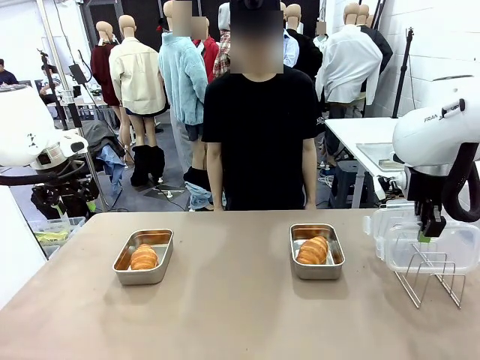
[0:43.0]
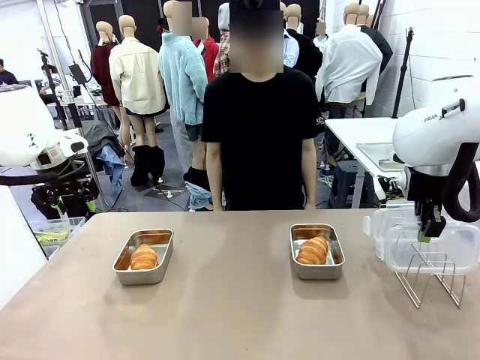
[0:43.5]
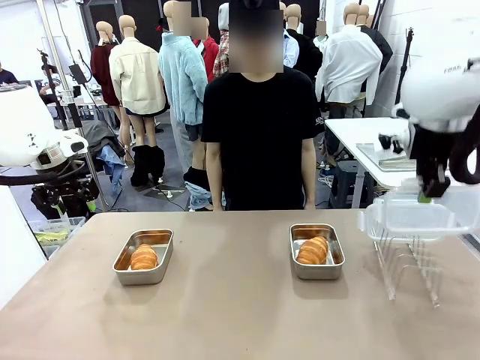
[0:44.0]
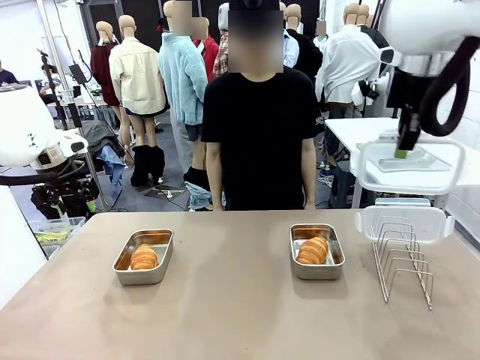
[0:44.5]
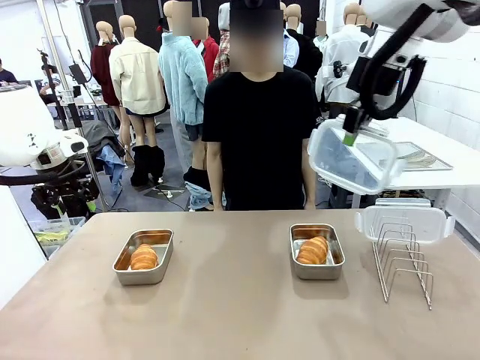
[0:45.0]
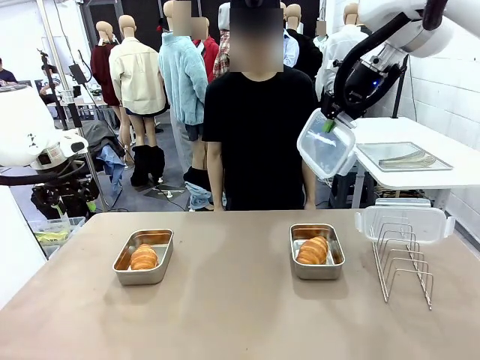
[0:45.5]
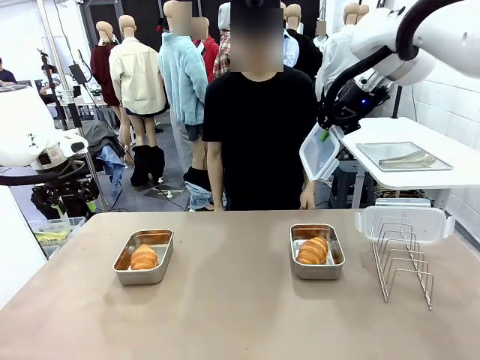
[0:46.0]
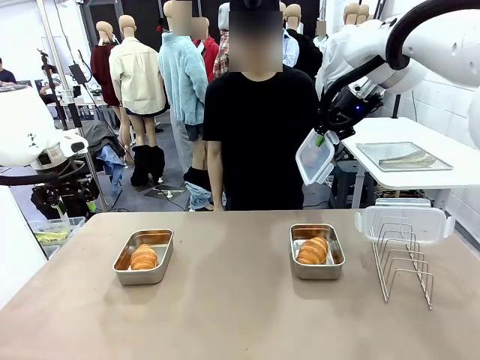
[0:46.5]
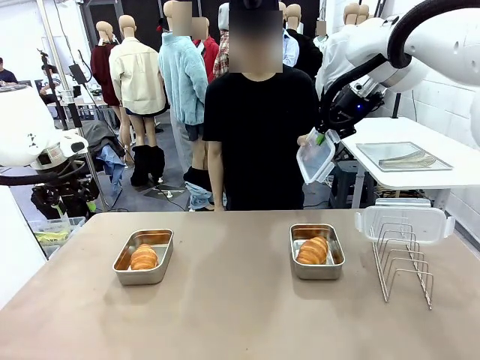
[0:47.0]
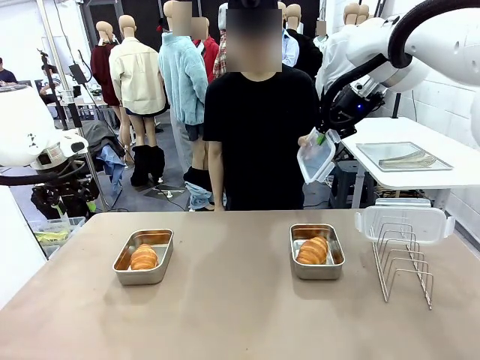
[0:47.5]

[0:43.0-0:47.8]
Task: Place the bread in airtight containers.
Robot: Release when the human grabs the Airtight Container lid.

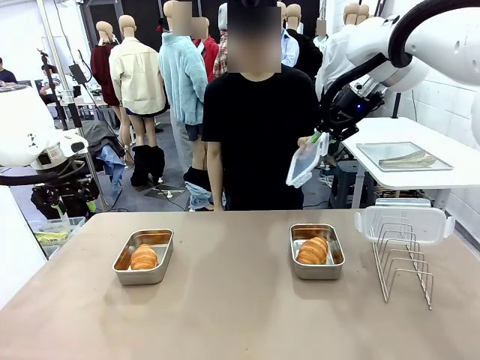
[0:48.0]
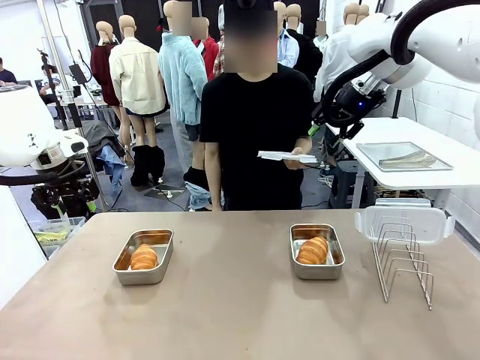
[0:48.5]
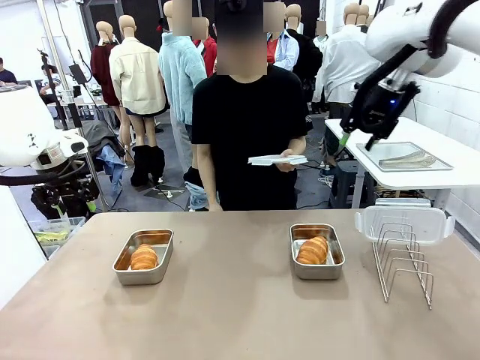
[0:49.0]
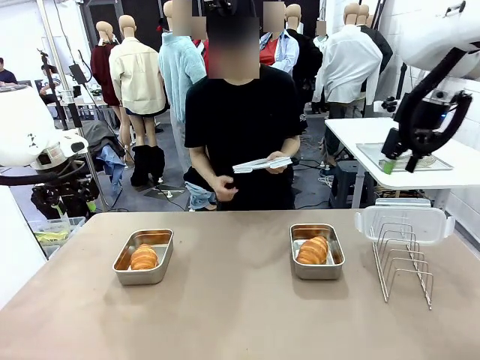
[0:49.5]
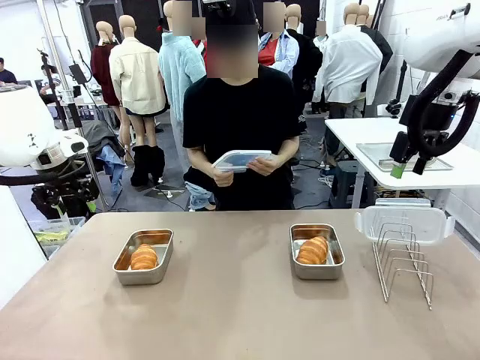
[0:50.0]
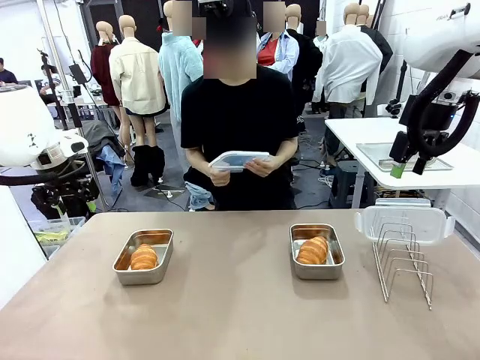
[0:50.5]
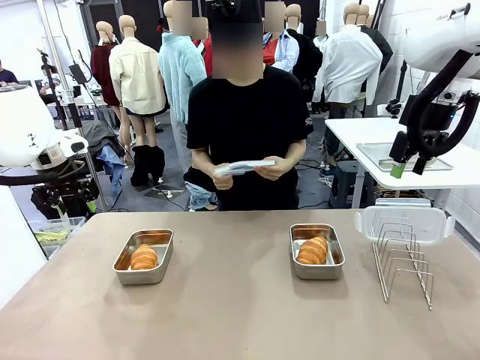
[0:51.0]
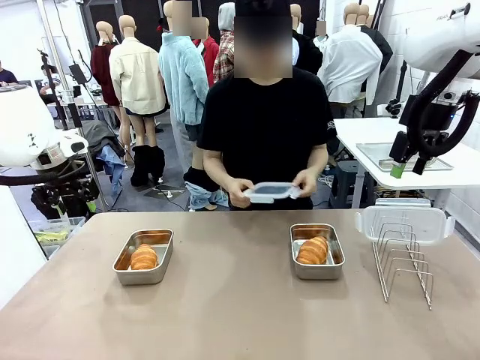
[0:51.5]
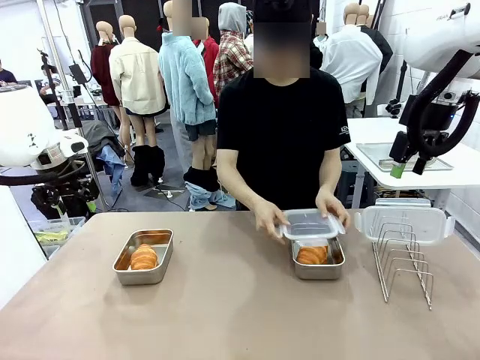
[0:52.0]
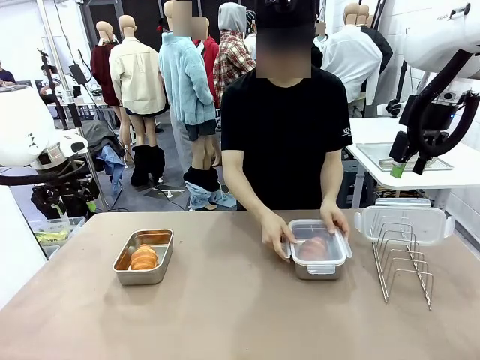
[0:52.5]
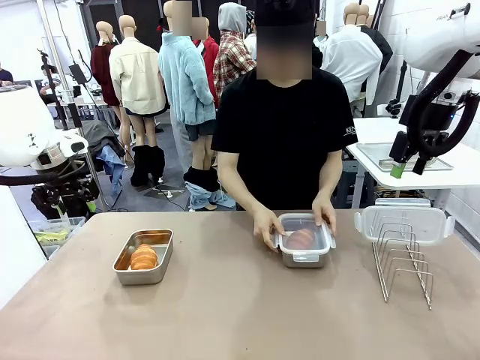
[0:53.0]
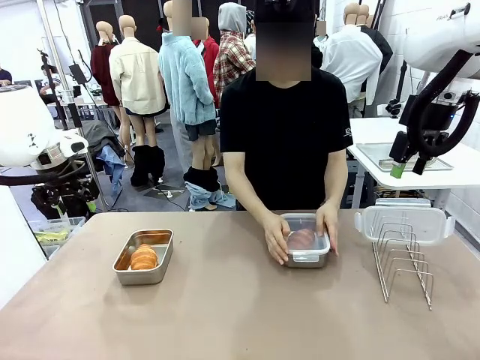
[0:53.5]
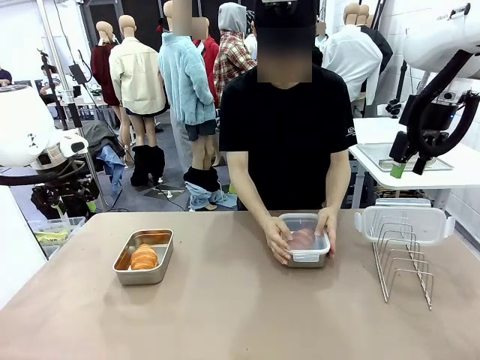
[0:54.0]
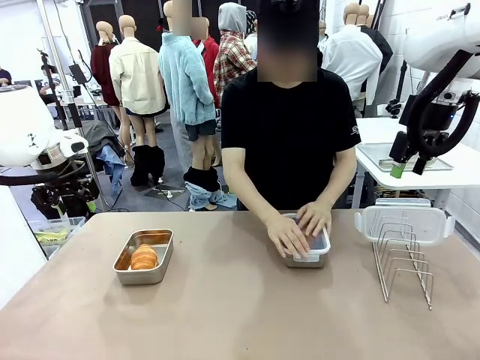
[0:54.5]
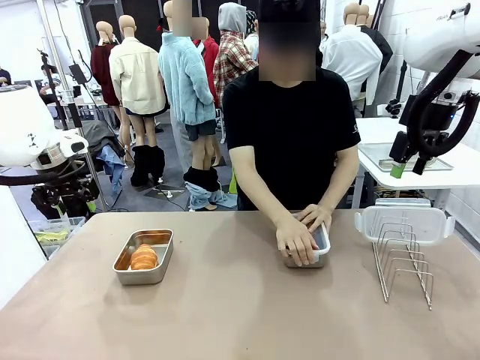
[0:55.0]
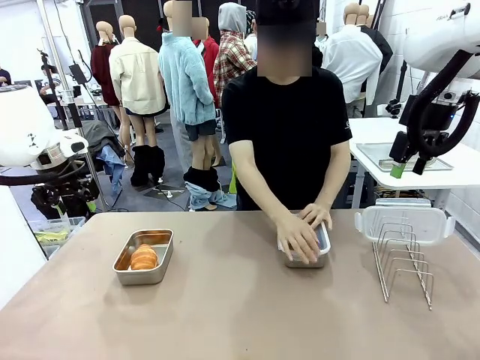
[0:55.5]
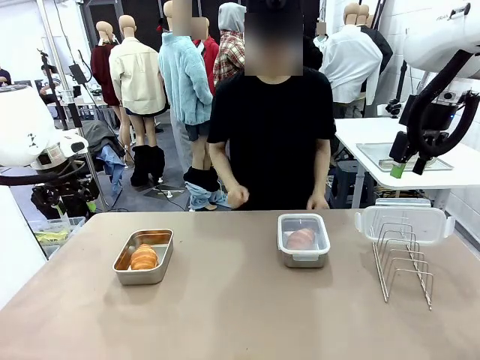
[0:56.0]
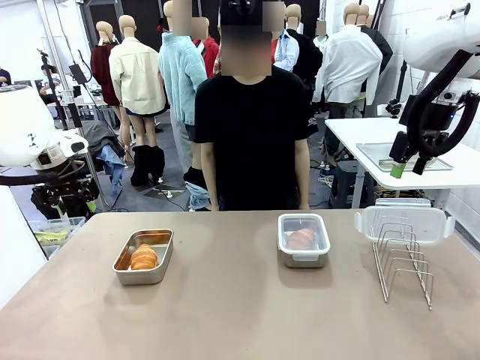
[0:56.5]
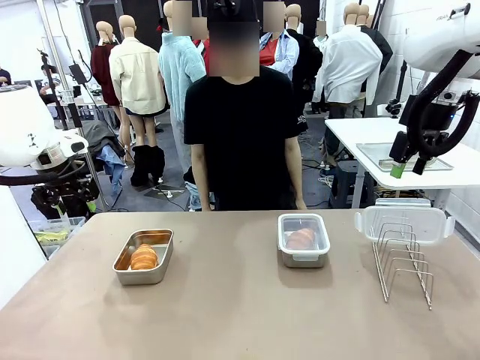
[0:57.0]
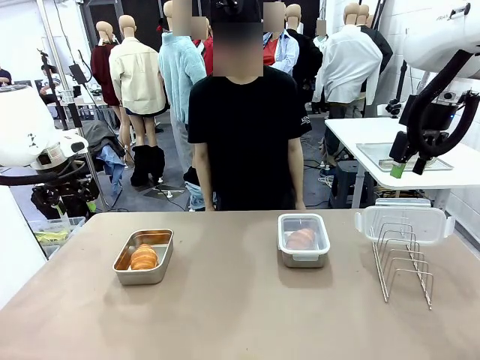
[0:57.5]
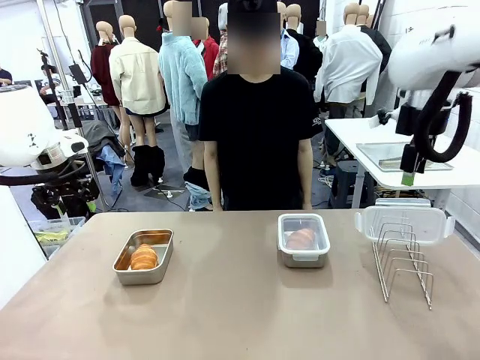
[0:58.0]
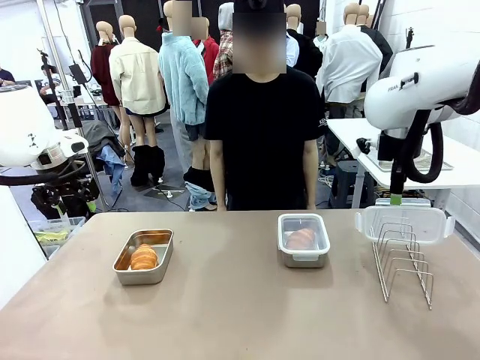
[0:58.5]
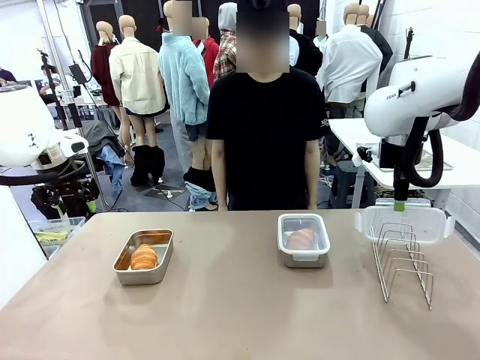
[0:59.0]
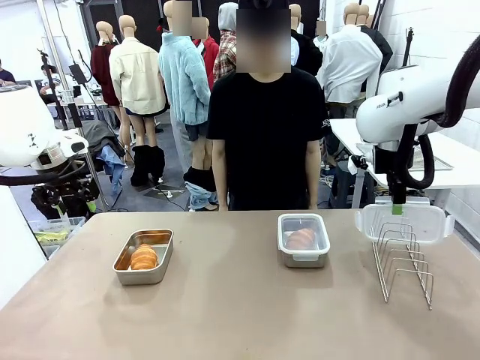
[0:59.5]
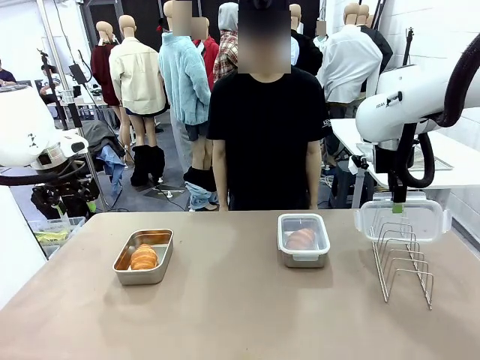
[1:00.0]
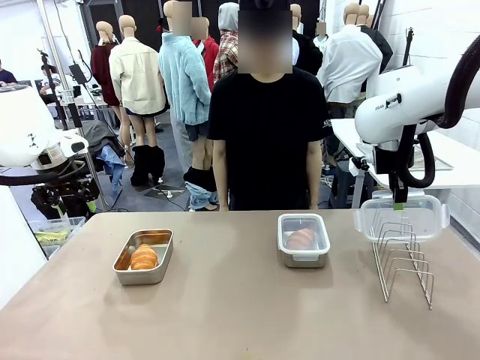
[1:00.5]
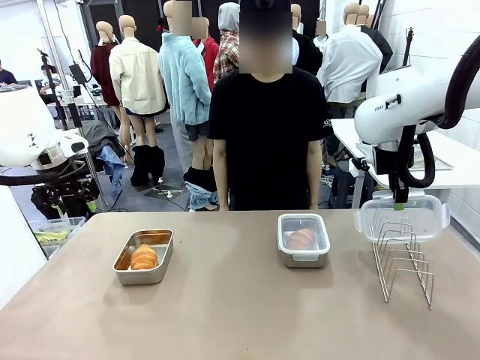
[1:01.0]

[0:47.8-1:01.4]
Robot: Pick up one Airtight Container lid and hand it to the human.
Person: Close Airtight Container with a handed Airtight Container lid.

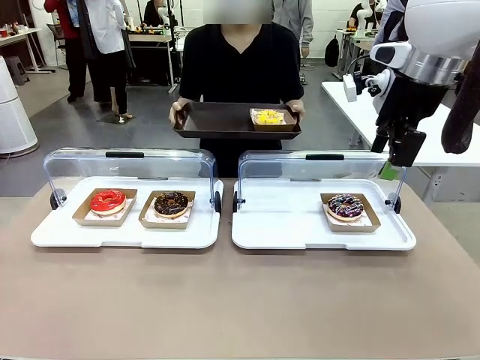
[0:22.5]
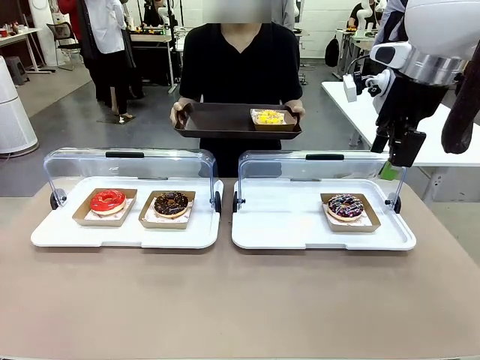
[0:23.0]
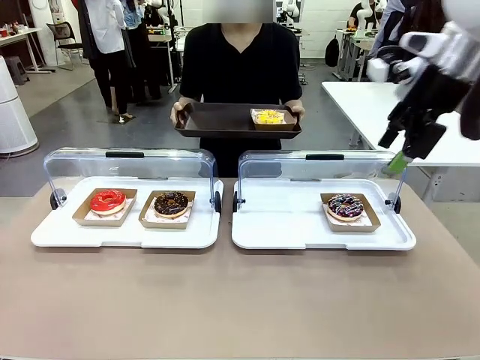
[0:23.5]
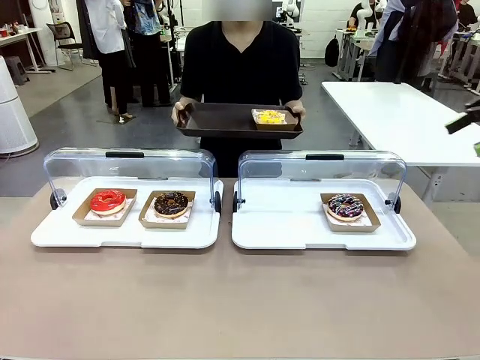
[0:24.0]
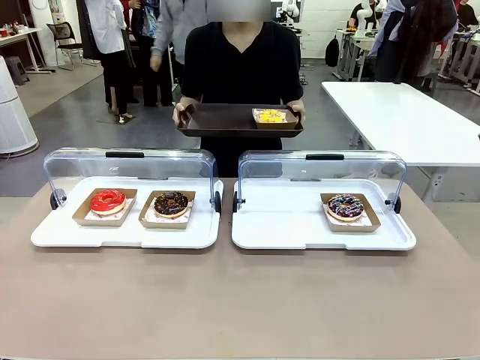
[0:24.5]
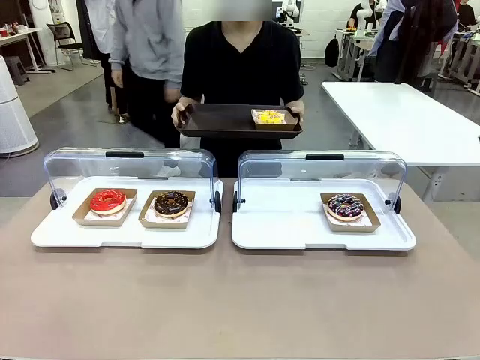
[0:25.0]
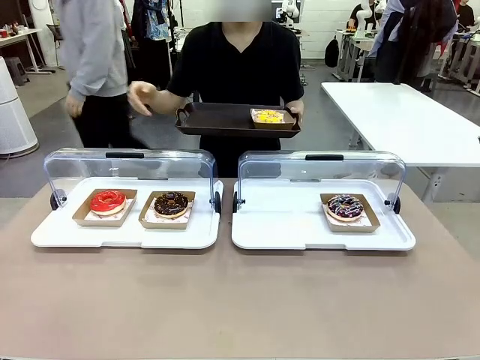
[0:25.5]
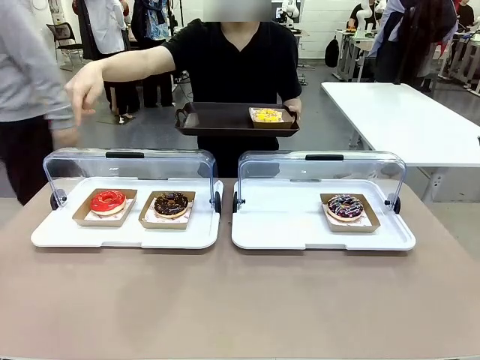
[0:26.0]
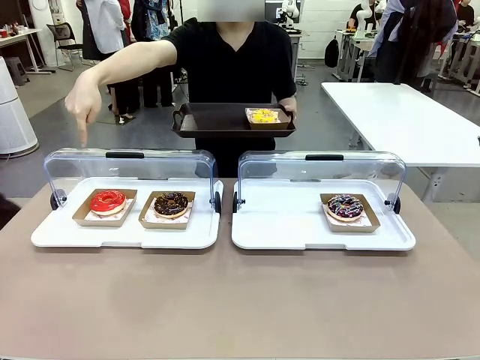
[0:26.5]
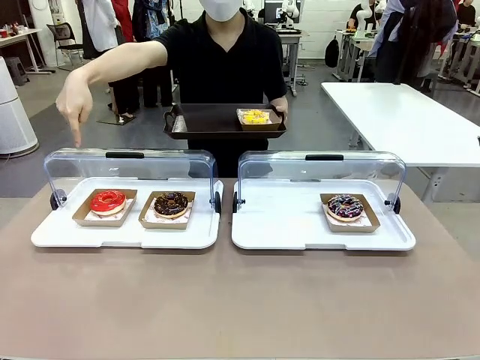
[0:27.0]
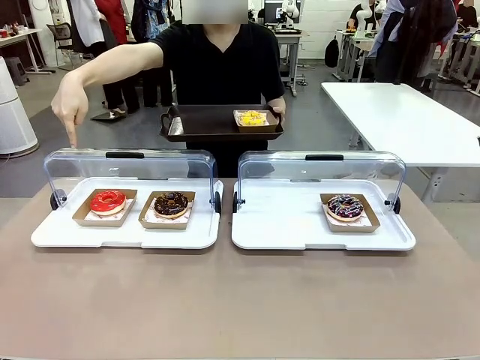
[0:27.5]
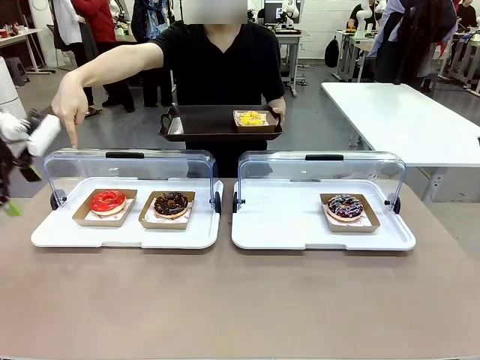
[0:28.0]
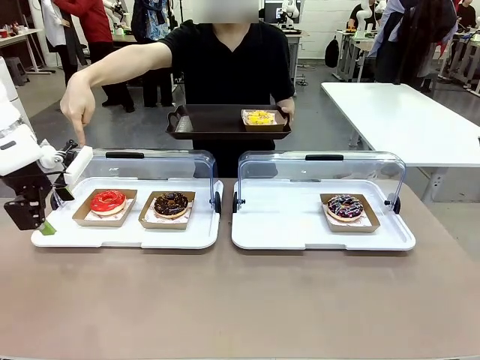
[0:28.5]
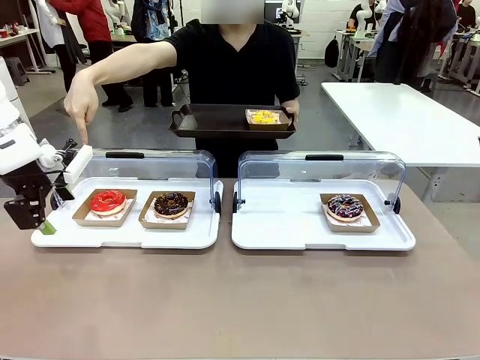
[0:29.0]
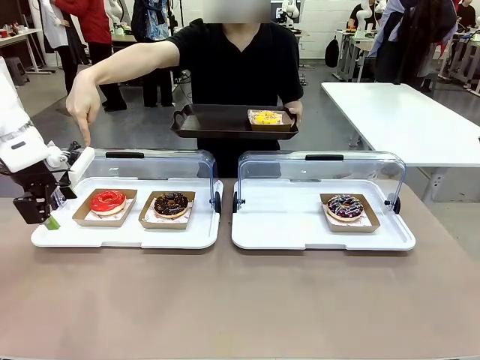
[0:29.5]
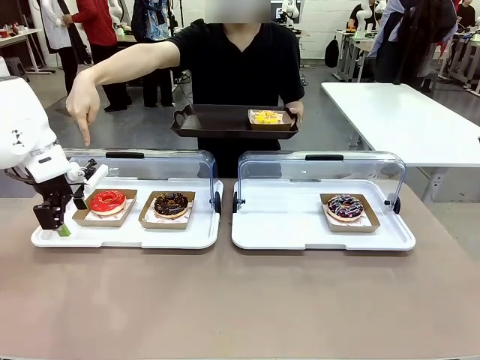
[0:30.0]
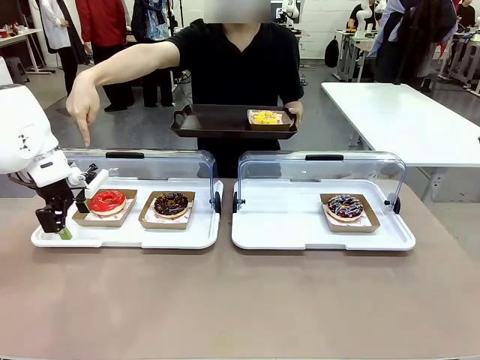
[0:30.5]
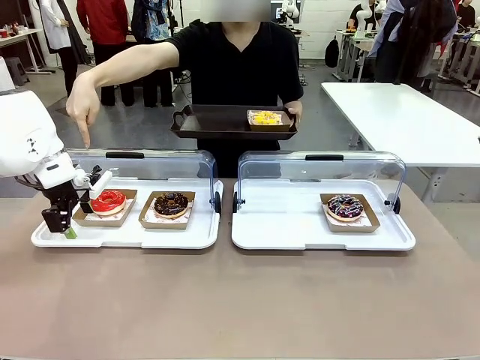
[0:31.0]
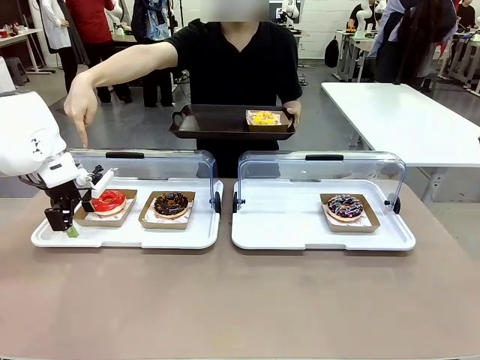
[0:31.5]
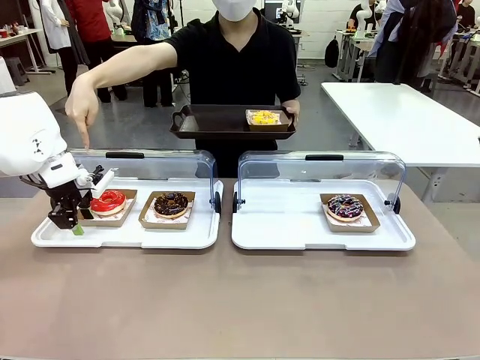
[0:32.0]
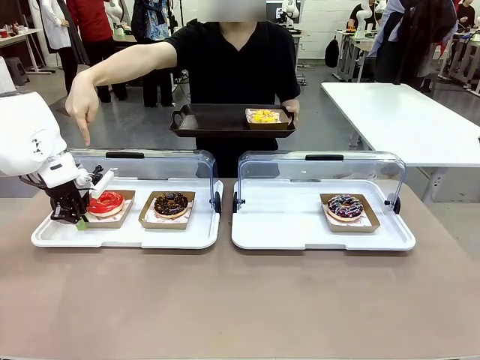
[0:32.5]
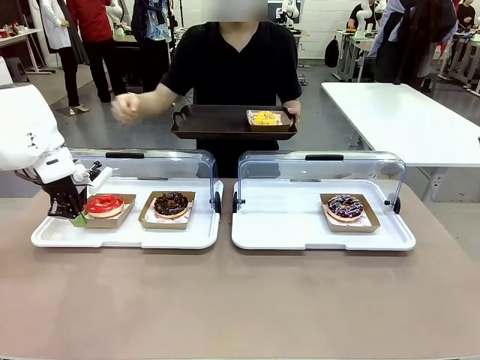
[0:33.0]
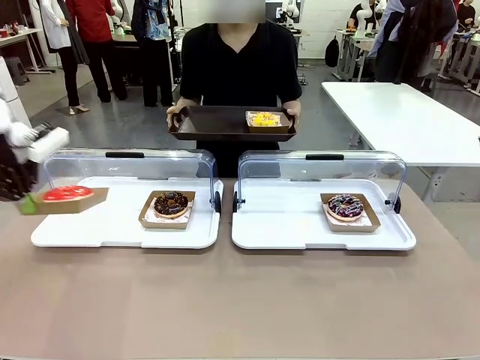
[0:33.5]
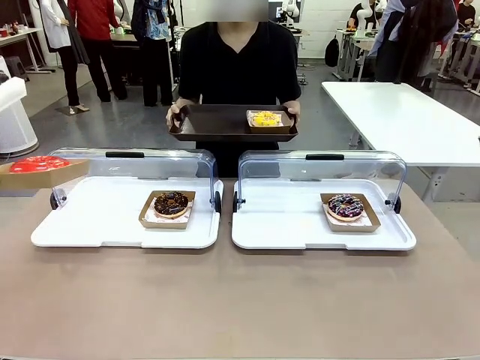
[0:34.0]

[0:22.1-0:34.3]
Task: Provide the desired donut to the person.
Robot: Pick up and lift the Paper togo box containing the Donut pointed at by the person.
Person: Point to one donut. Lift the tray onto the Roll-Top Bakery Case.
